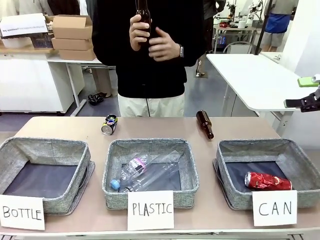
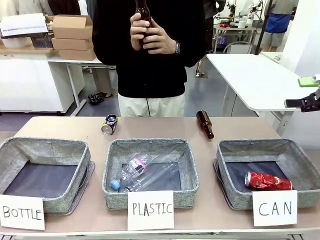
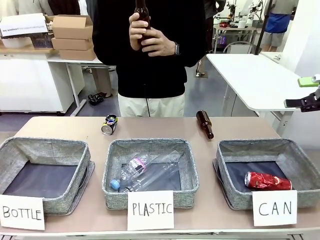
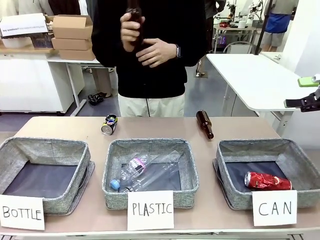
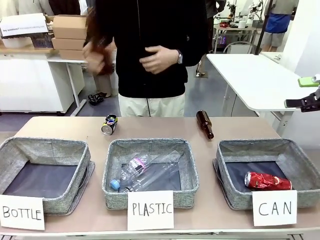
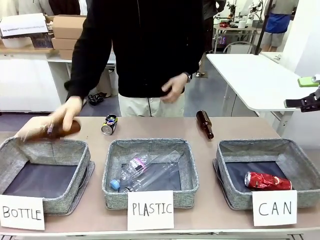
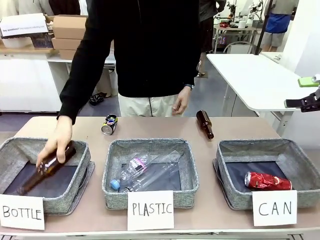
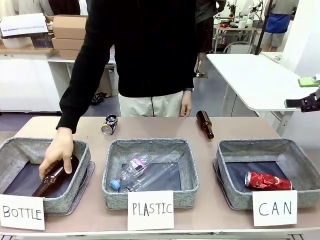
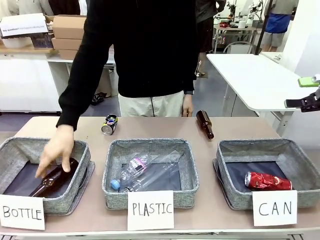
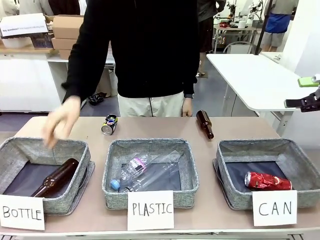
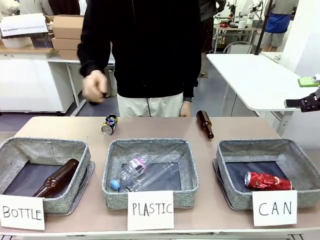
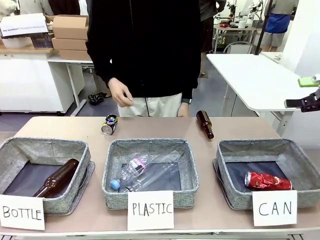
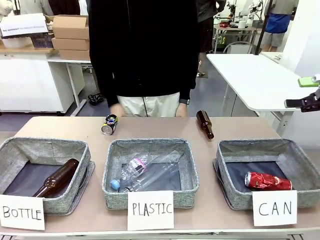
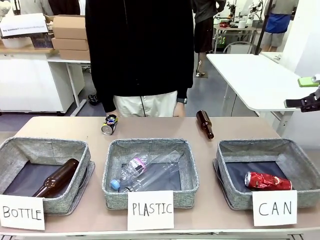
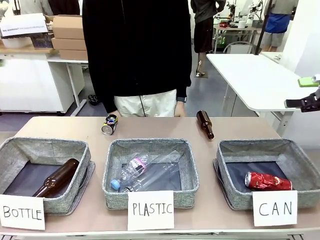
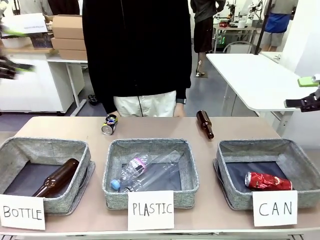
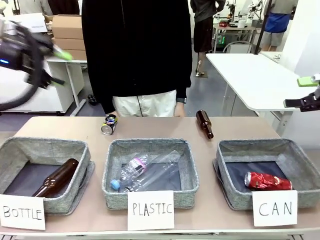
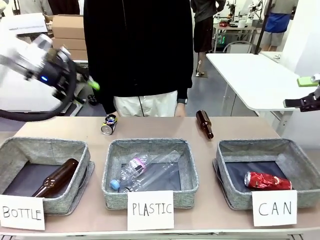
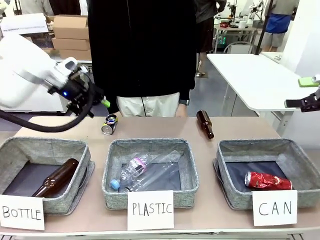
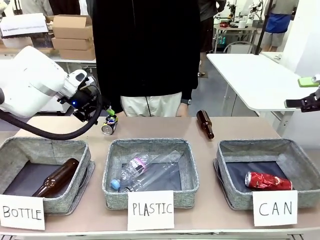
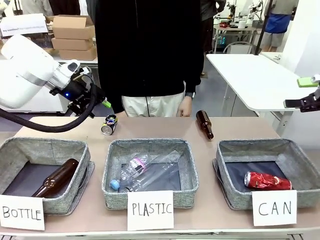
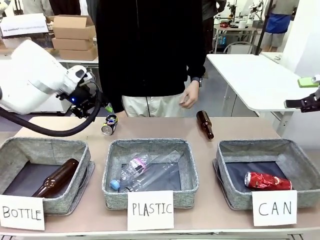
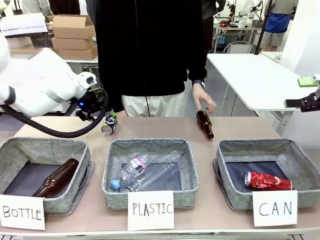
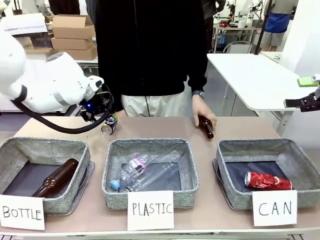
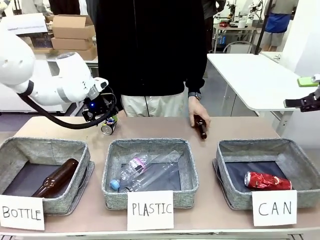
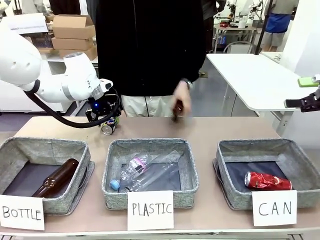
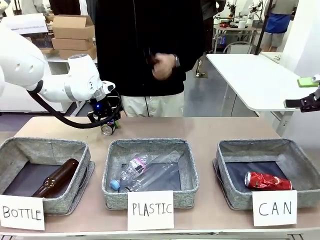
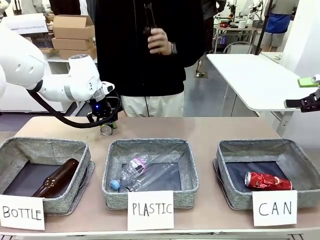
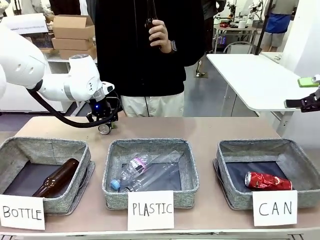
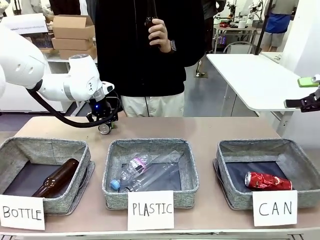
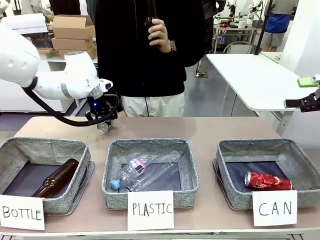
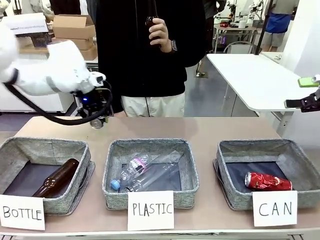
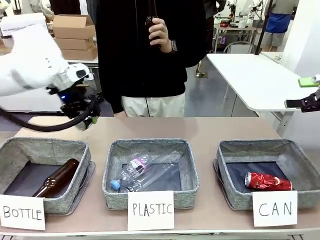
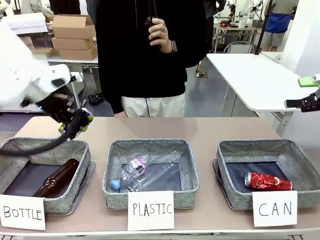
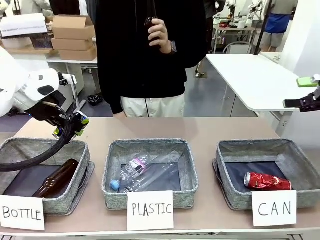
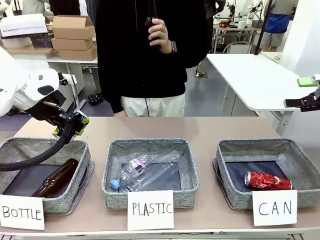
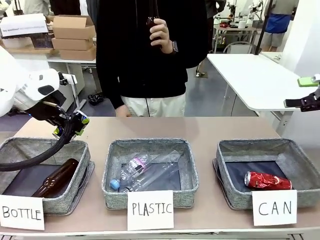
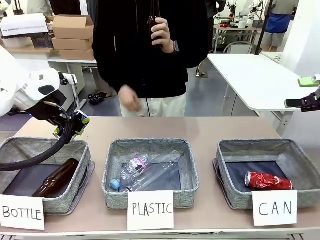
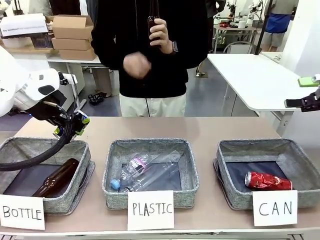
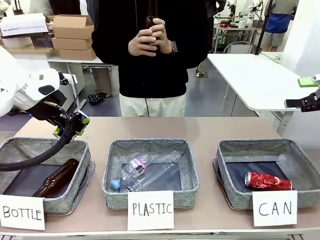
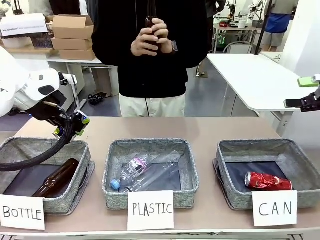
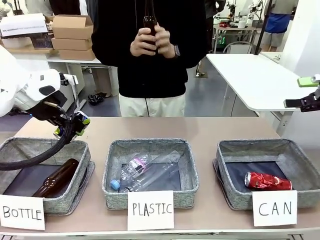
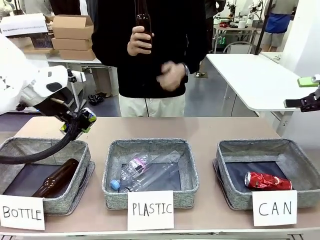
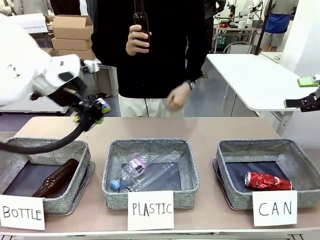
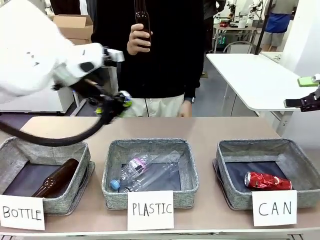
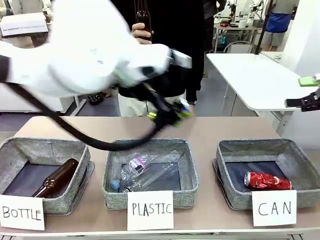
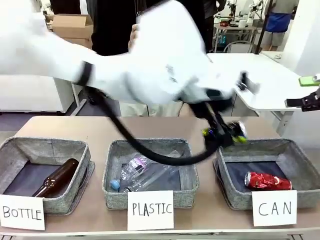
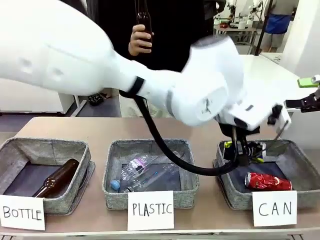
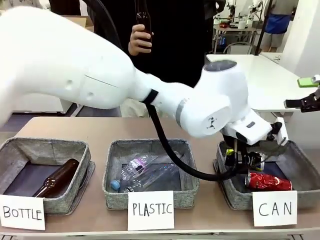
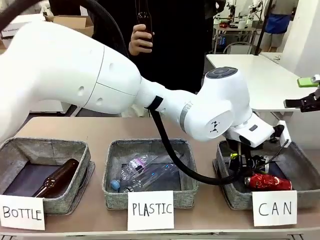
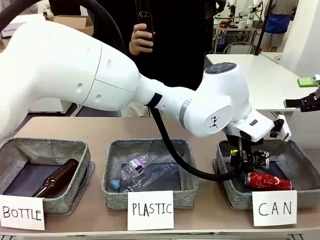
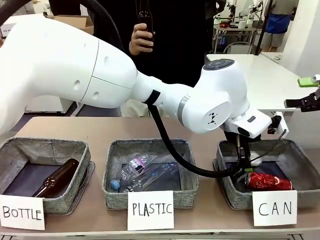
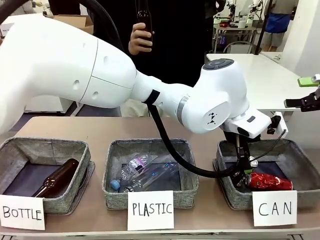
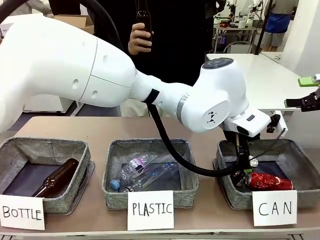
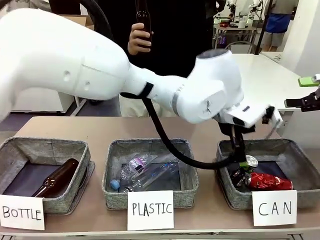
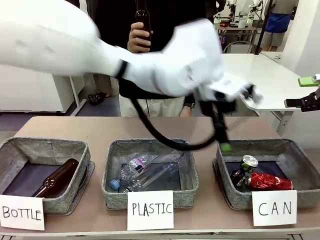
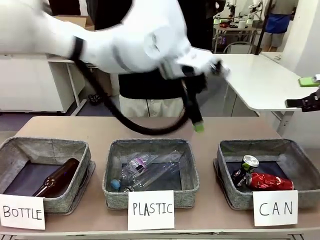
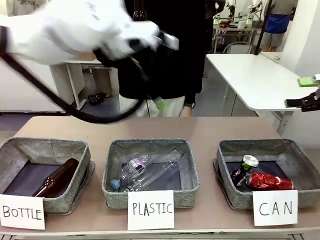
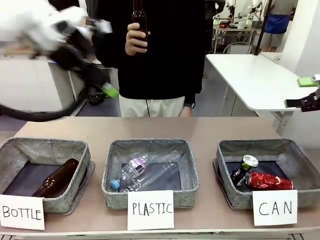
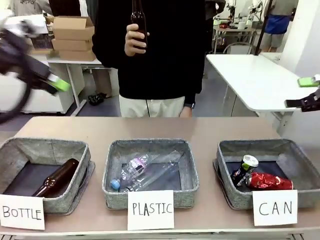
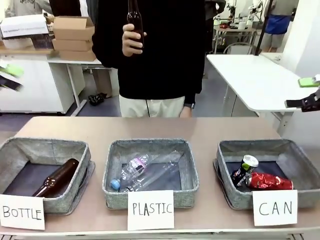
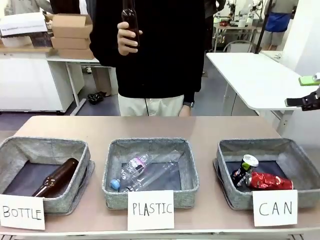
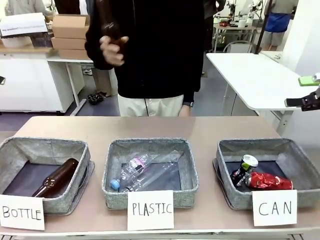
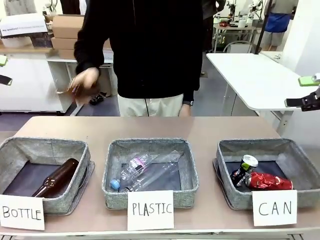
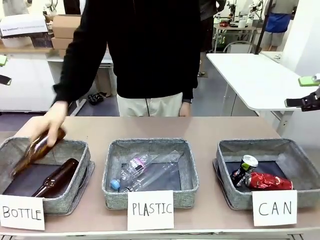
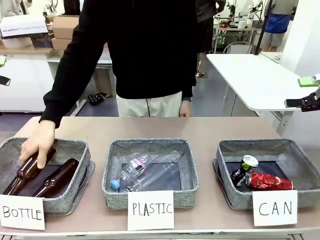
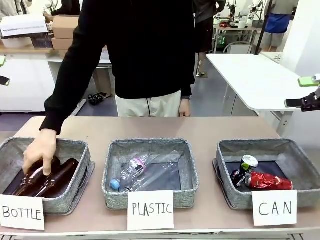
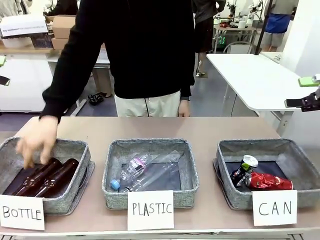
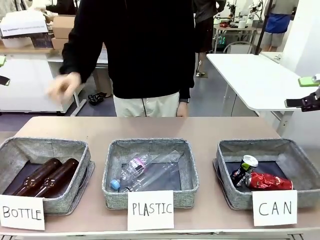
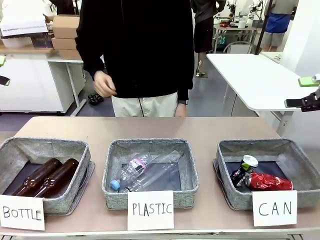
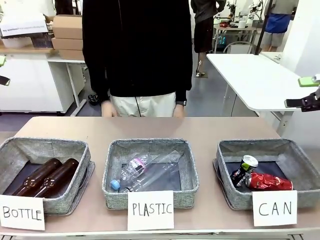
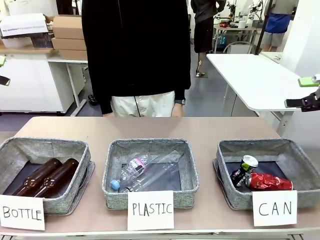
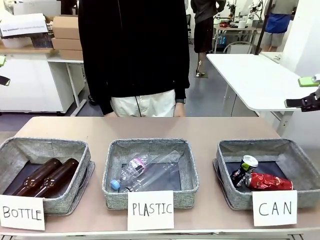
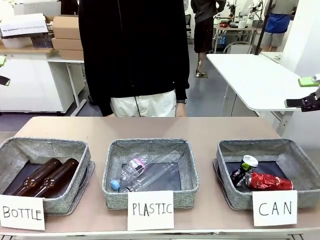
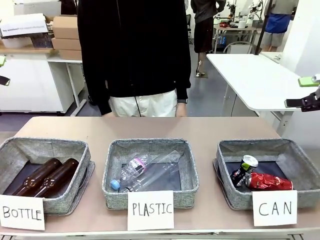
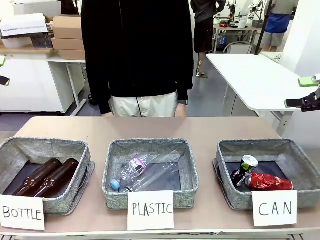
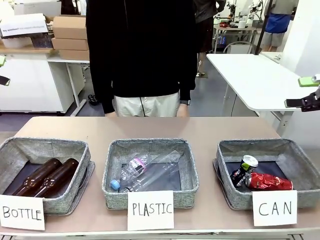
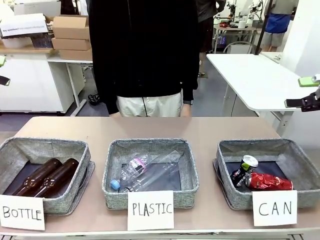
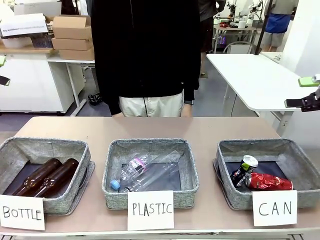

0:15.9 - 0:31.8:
Task: Sort the can waste into the basket.
Robot: Pick up the can waste from the table and place it in the right Fabric basket.
